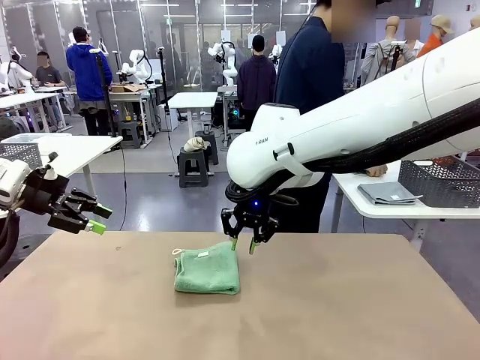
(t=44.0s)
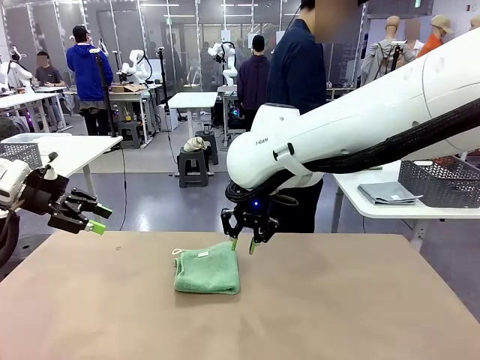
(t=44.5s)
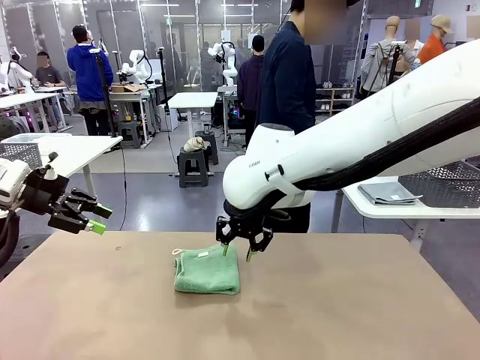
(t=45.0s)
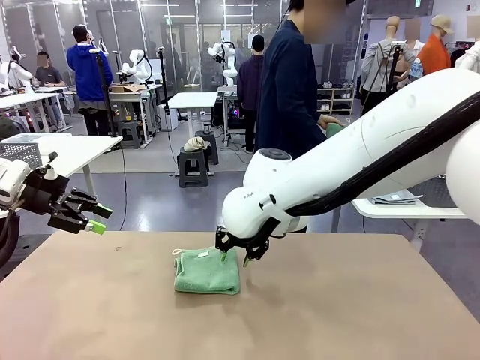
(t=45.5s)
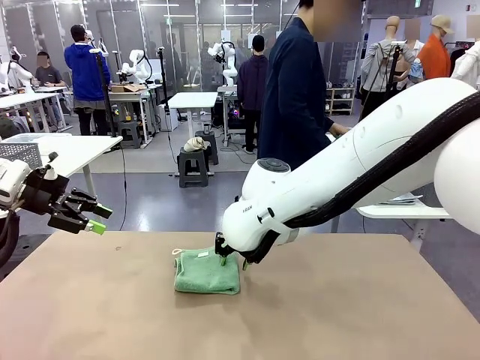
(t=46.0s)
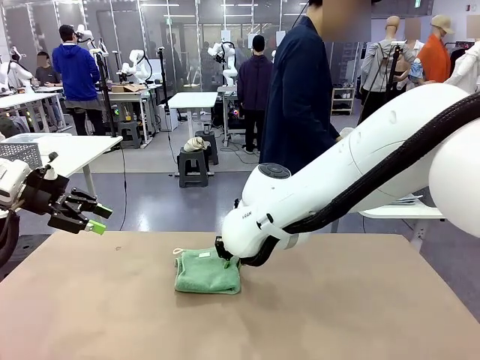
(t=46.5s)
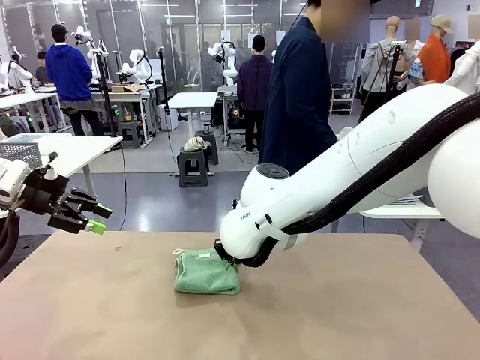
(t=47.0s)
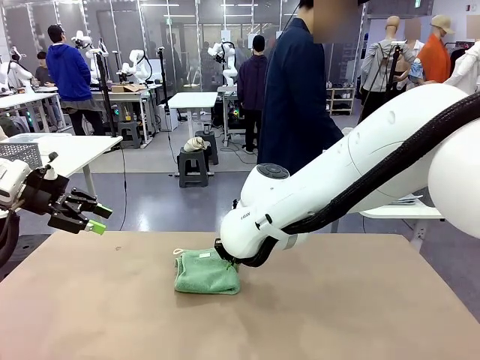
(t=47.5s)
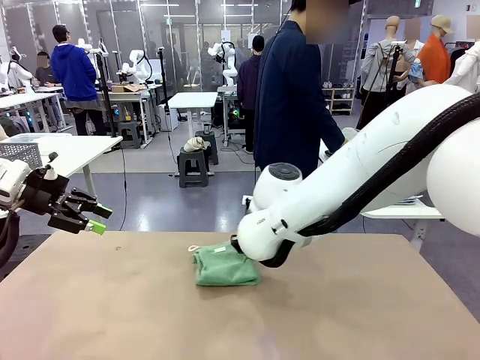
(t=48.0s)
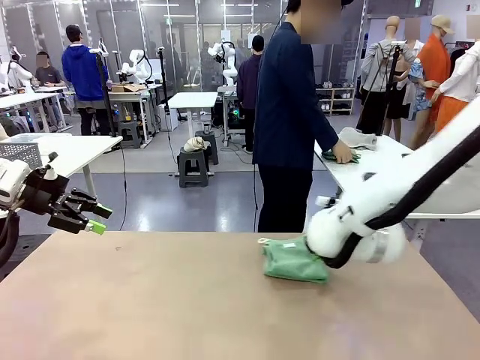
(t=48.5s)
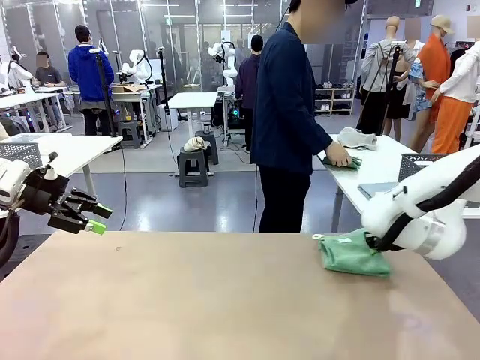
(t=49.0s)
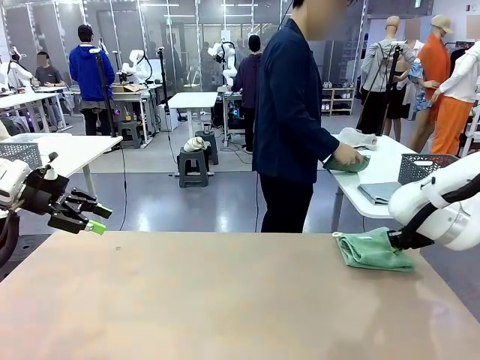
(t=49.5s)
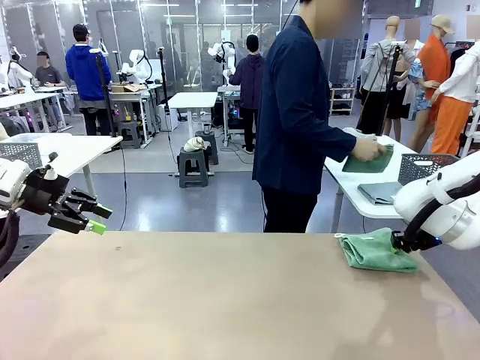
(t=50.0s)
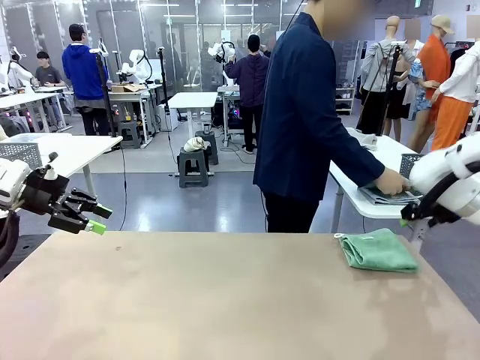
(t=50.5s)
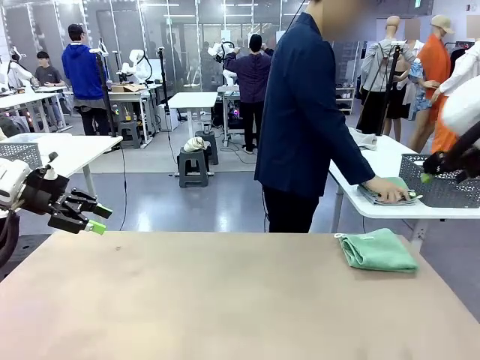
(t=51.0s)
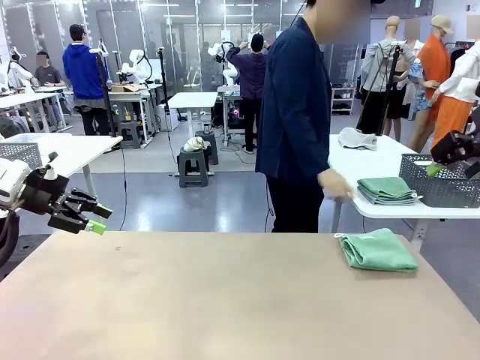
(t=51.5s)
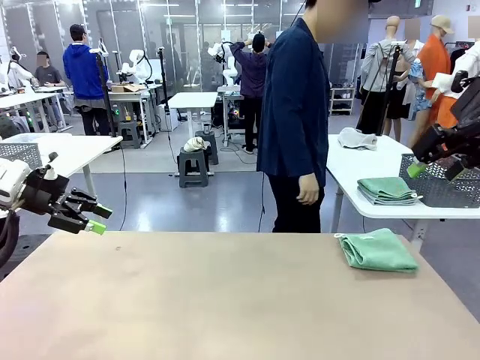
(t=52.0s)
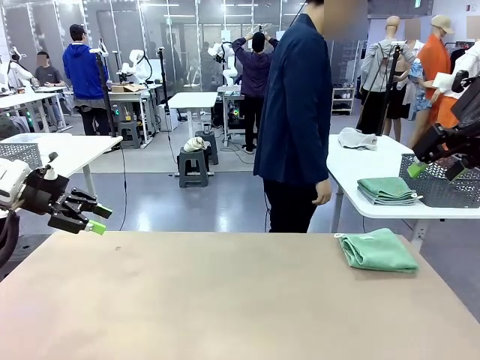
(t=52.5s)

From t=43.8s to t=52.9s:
Task: Fold the towels and place them in the basket.
Robot: Place the folded Towel with hook on the right side of the table.

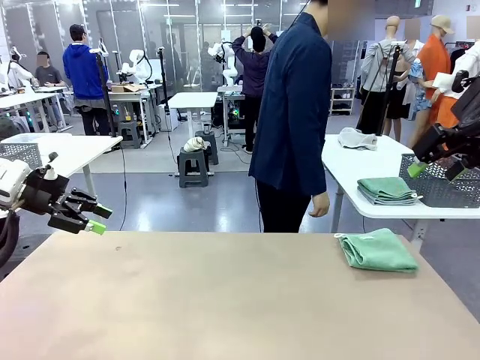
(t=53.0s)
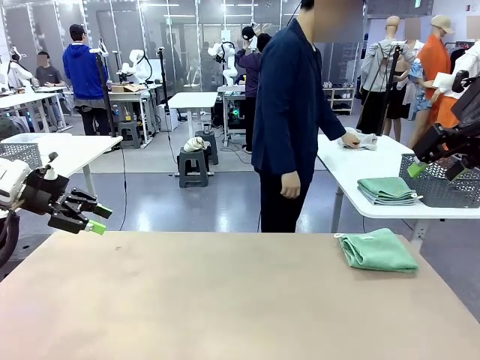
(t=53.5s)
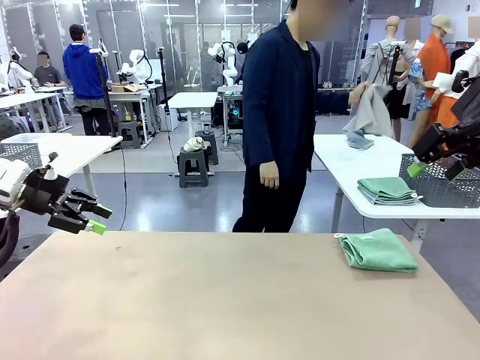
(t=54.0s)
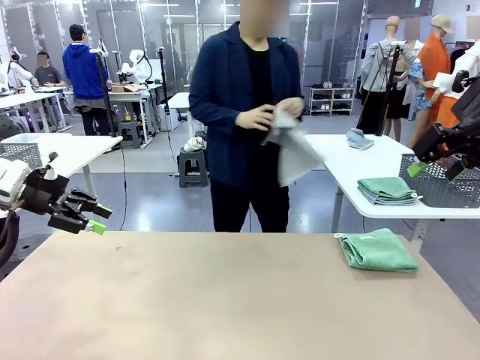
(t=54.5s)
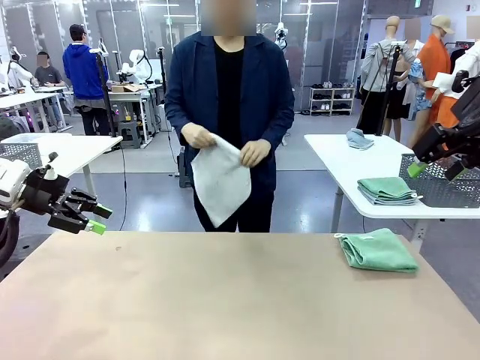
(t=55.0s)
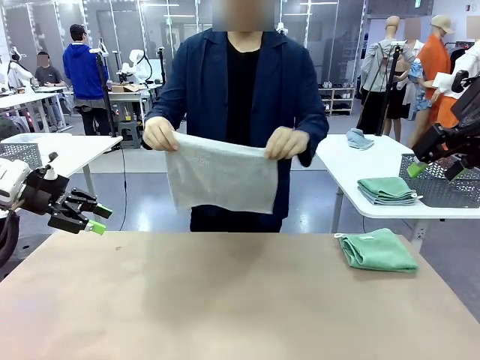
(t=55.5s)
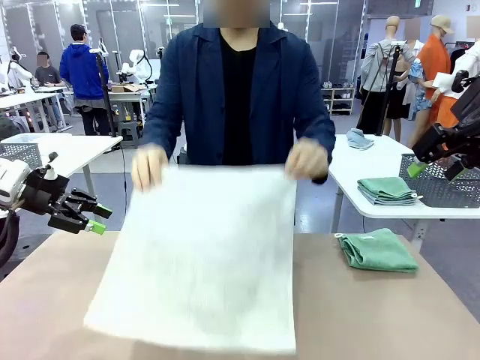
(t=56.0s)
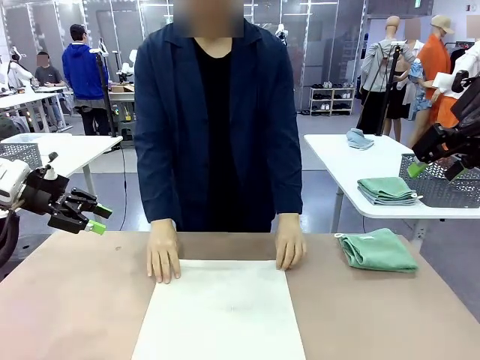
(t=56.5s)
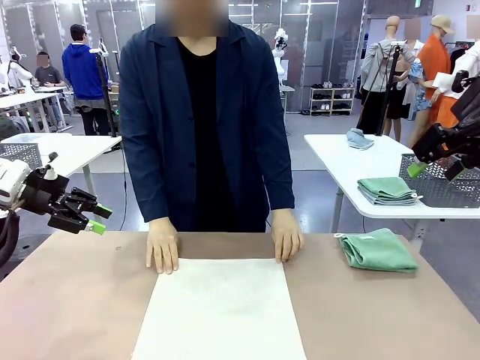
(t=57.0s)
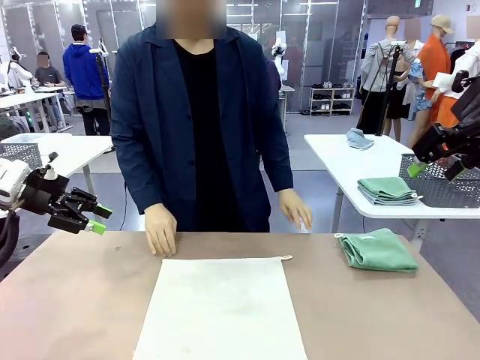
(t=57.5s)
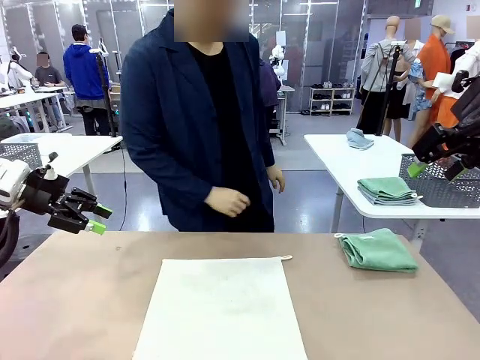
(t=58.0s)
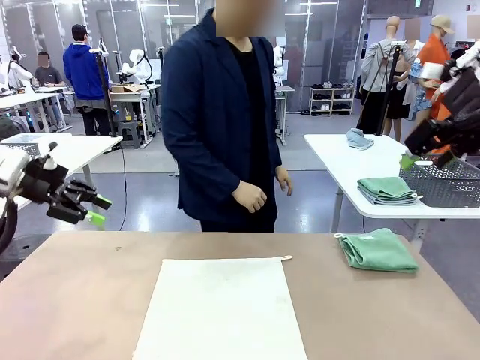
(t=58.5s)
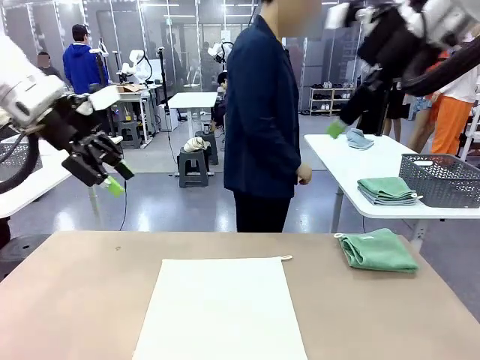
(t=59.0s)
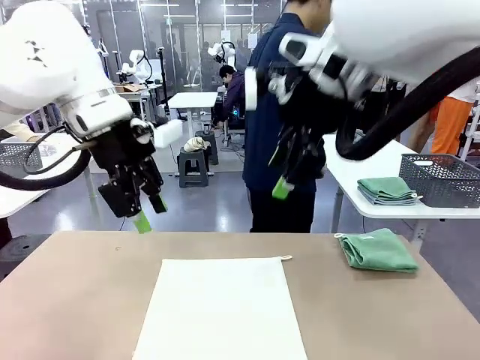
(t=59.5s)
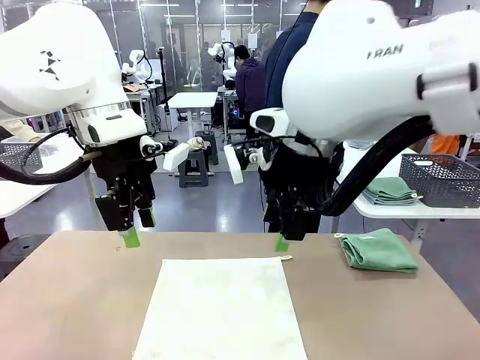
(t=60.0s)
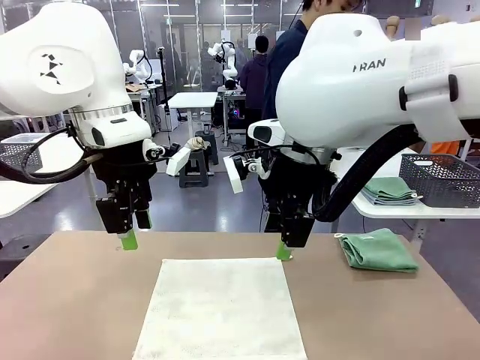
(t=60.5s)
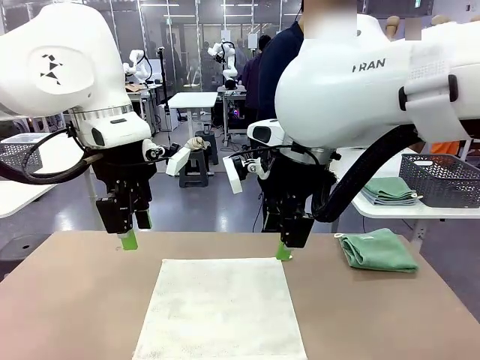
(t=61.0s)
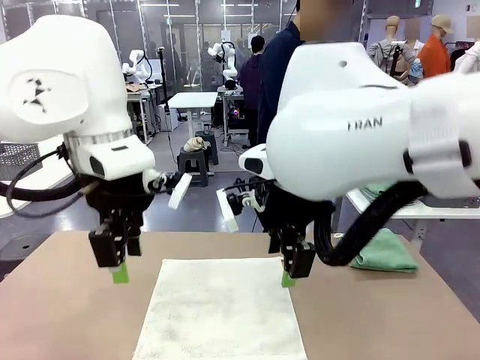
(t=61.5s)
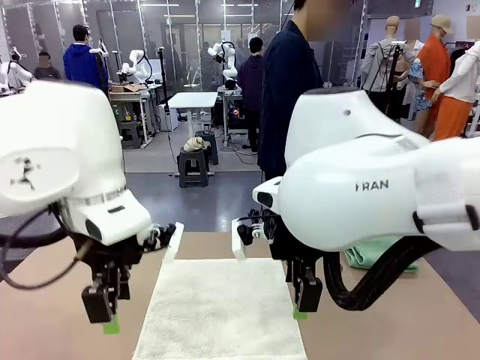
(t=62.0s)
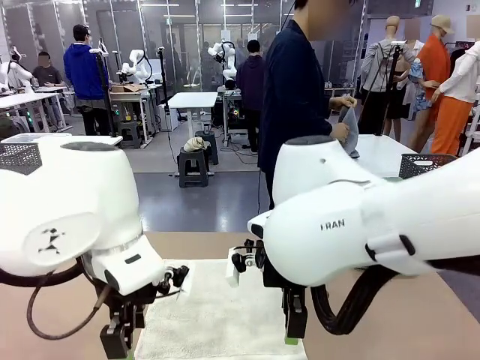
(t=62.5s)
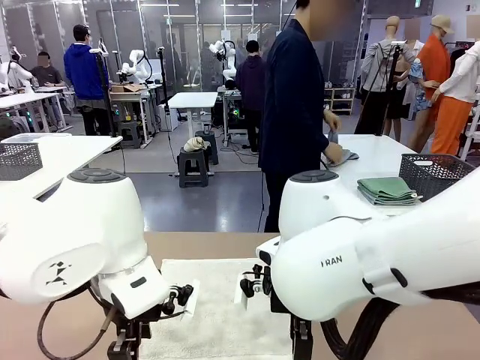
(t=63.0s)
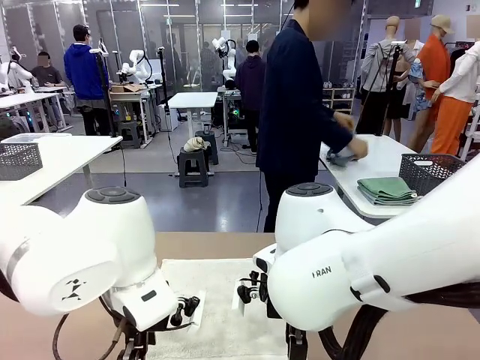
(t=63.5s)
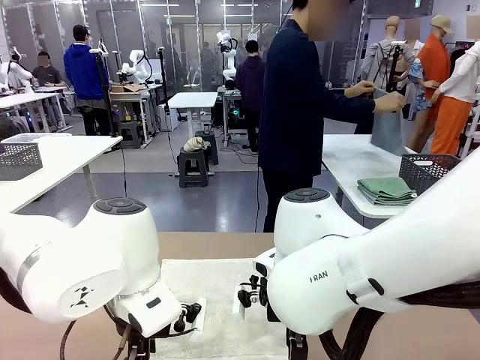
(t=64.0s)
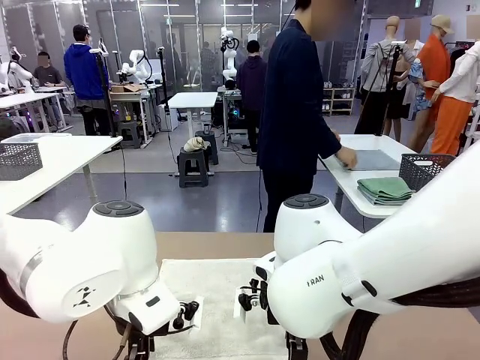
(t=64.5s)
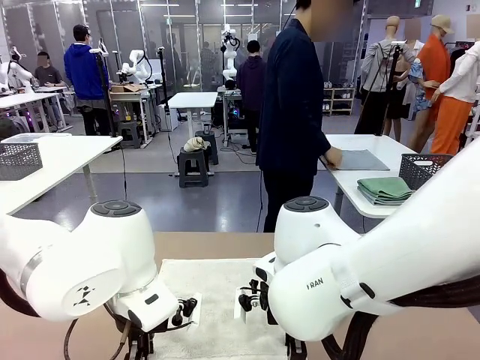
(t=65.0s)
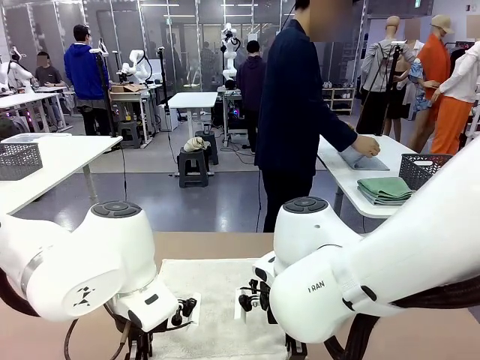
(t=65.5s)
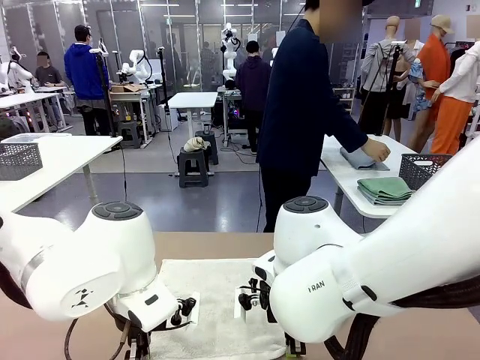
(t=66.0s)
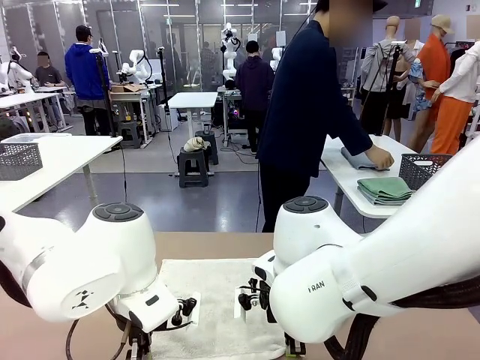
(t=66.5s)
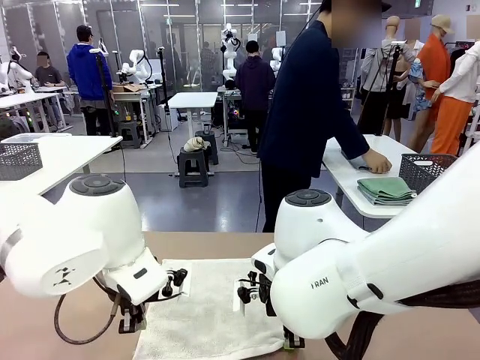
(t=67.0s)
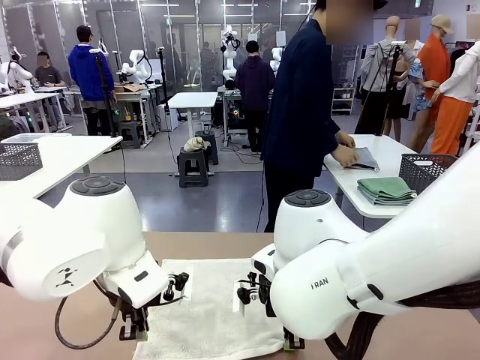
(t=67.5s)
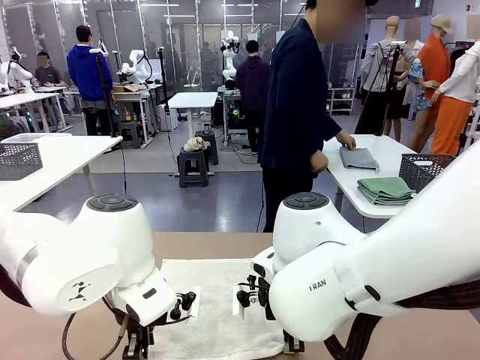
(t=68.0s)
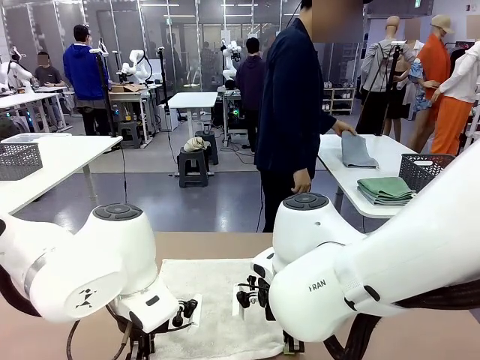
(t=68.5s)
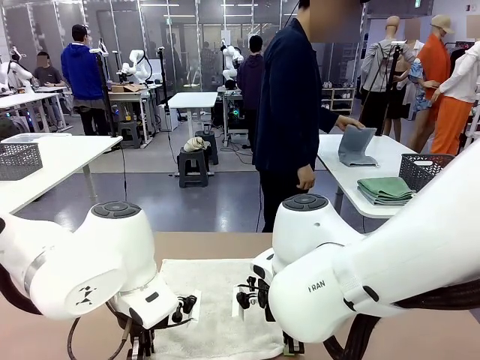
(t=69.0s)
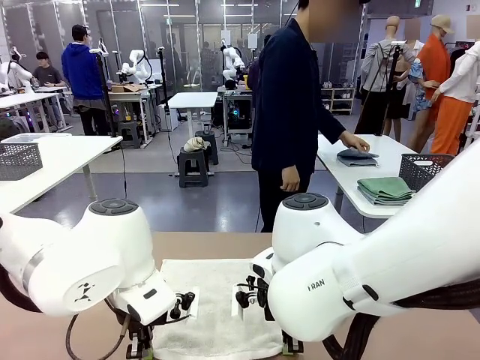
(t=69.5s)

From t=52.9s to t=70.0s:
Robot: When a person lays out a Towel with hook on the table, fold it in half twice.
Person: Pick up one towel from the left side of the human table and spread it out at the center of the robot table. Pick up one towel from the left side of the human table, fold it in half twice, and stack it on the right side of the table.
